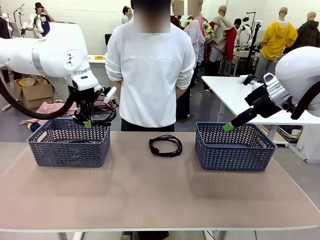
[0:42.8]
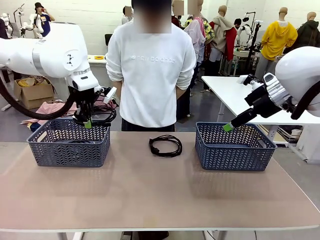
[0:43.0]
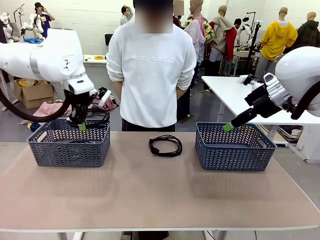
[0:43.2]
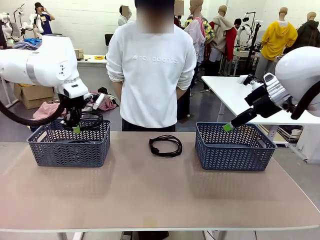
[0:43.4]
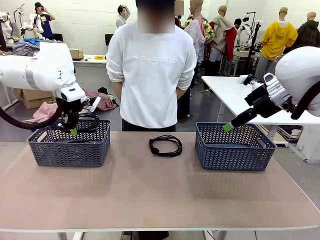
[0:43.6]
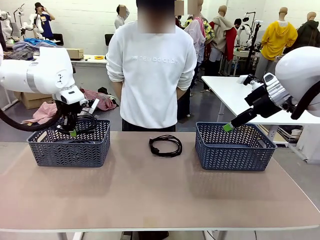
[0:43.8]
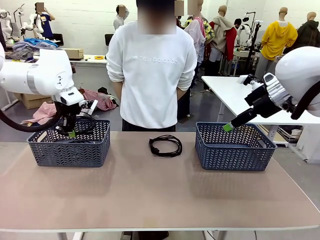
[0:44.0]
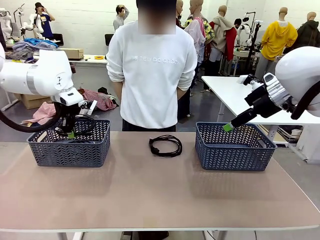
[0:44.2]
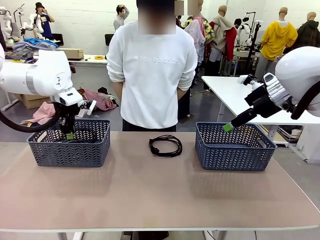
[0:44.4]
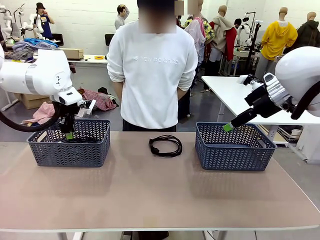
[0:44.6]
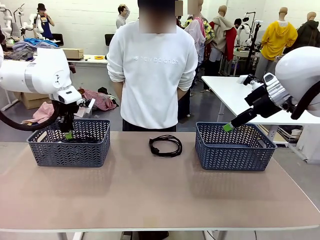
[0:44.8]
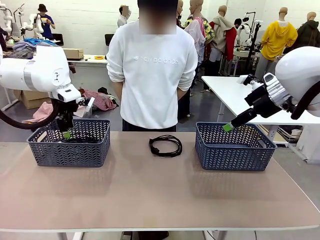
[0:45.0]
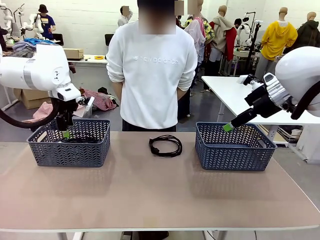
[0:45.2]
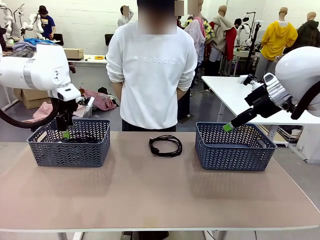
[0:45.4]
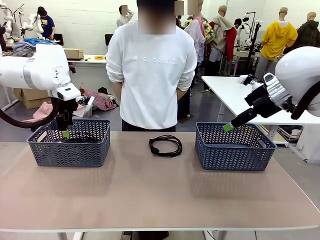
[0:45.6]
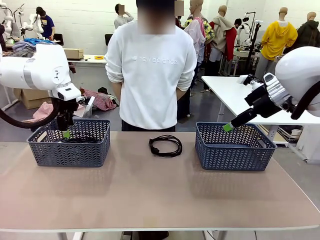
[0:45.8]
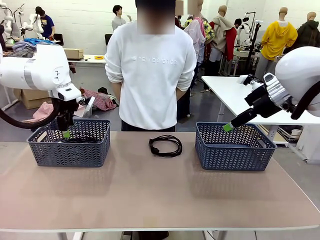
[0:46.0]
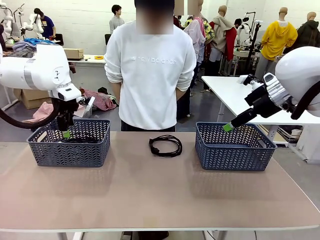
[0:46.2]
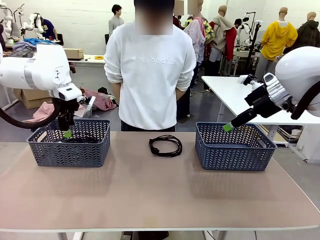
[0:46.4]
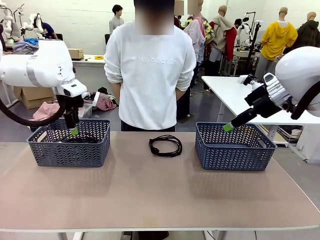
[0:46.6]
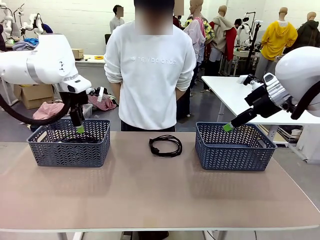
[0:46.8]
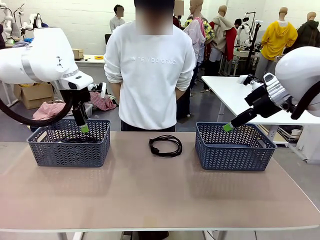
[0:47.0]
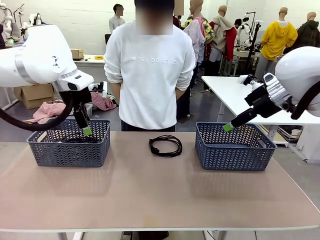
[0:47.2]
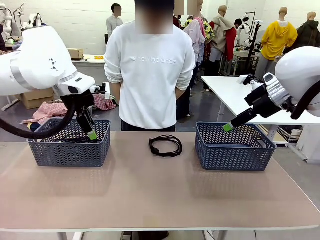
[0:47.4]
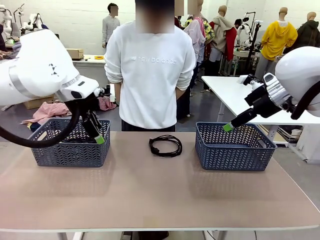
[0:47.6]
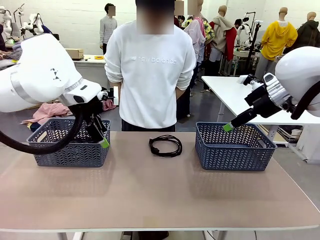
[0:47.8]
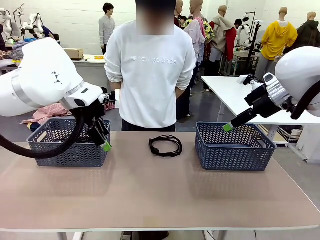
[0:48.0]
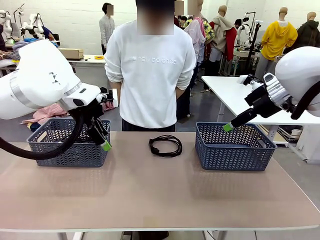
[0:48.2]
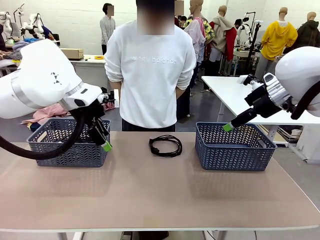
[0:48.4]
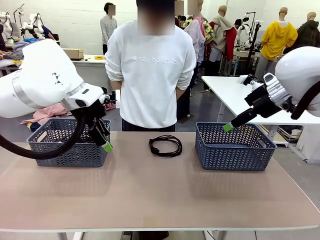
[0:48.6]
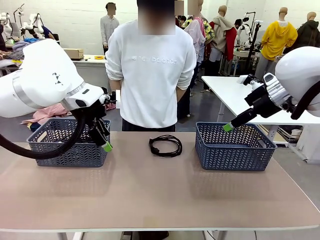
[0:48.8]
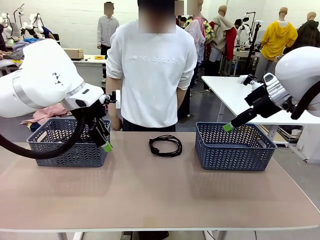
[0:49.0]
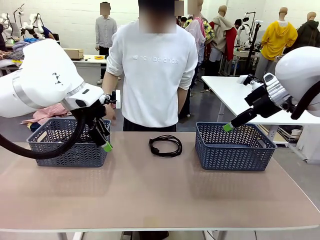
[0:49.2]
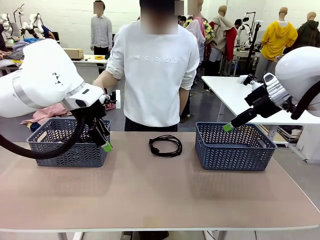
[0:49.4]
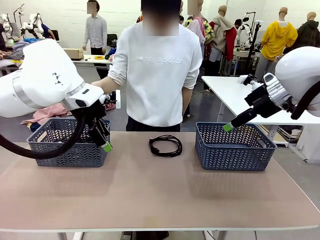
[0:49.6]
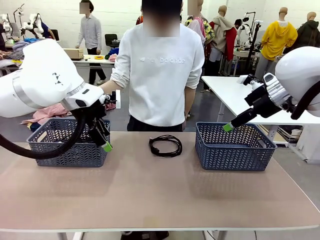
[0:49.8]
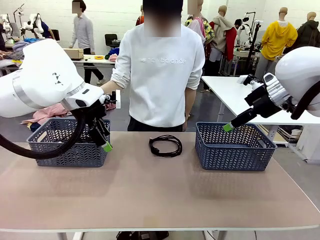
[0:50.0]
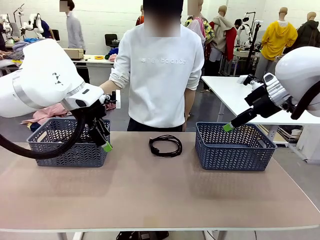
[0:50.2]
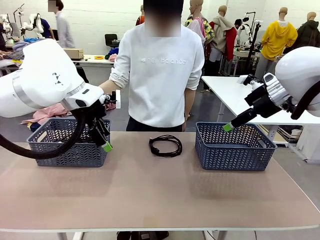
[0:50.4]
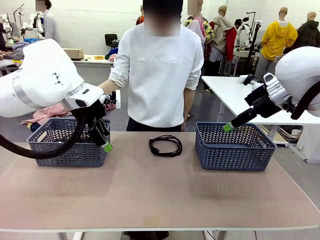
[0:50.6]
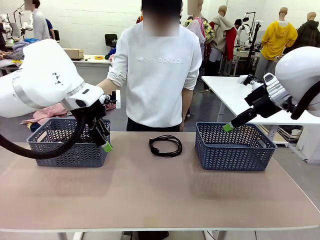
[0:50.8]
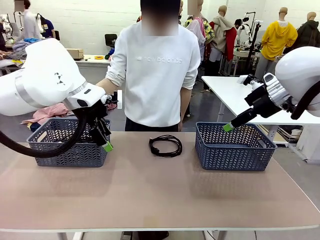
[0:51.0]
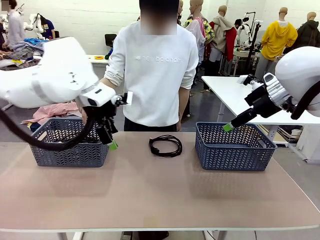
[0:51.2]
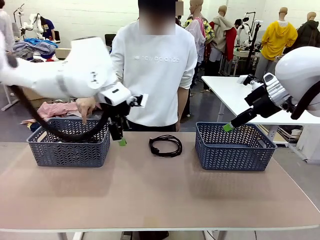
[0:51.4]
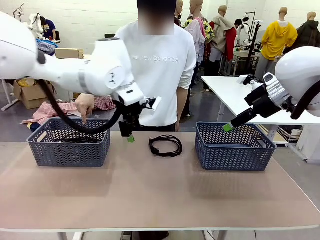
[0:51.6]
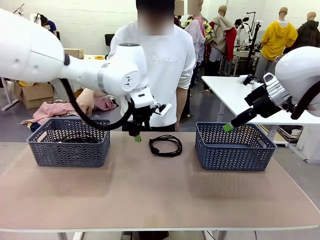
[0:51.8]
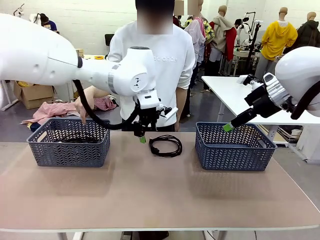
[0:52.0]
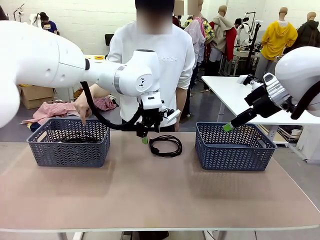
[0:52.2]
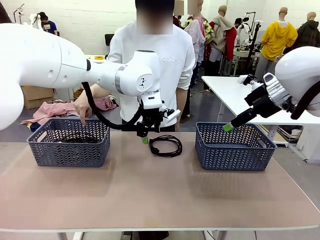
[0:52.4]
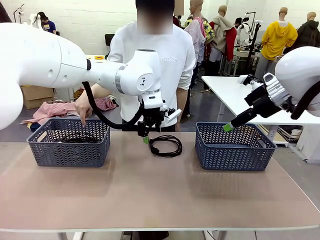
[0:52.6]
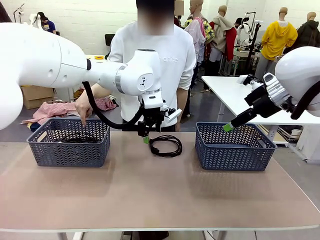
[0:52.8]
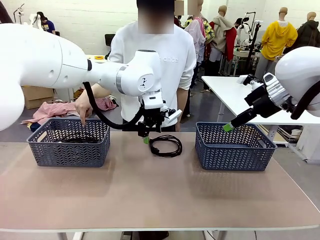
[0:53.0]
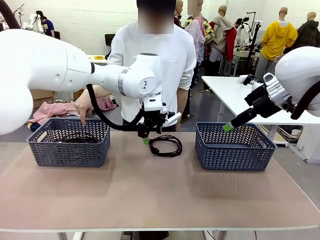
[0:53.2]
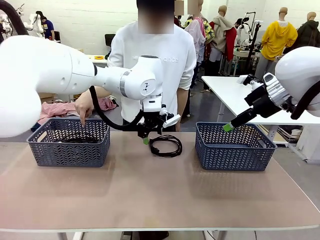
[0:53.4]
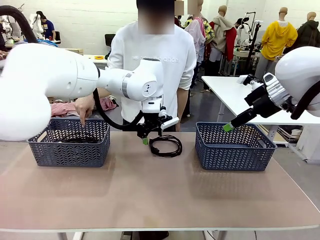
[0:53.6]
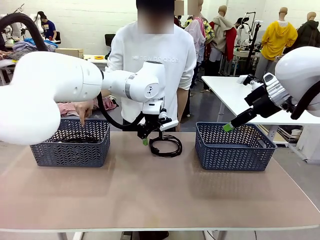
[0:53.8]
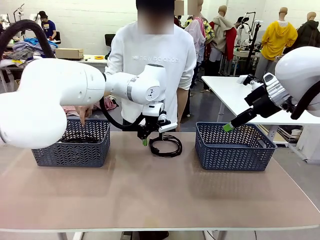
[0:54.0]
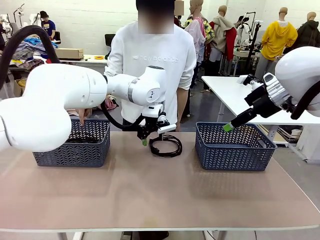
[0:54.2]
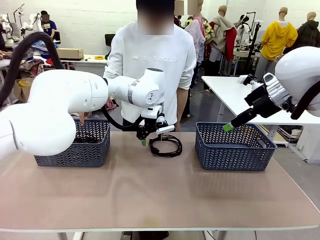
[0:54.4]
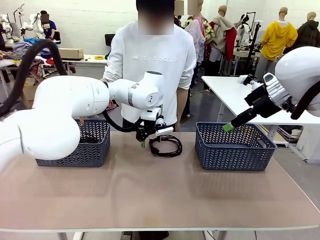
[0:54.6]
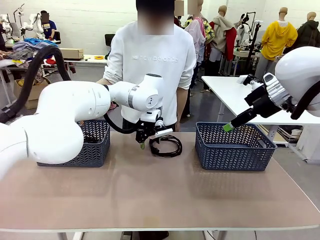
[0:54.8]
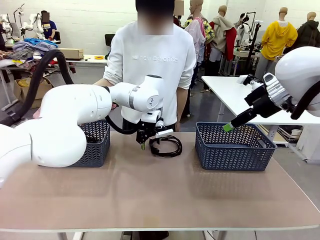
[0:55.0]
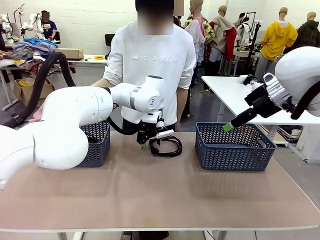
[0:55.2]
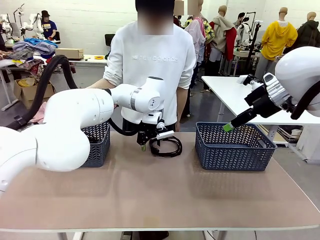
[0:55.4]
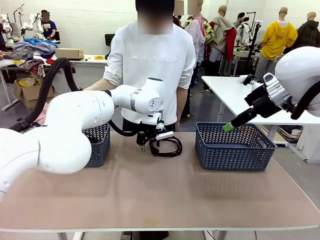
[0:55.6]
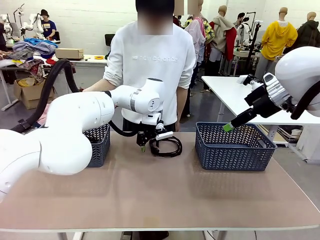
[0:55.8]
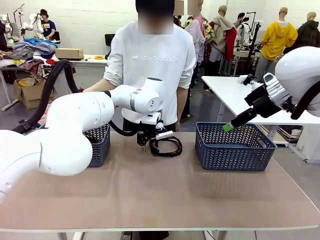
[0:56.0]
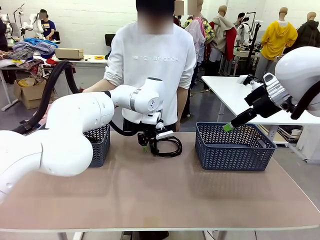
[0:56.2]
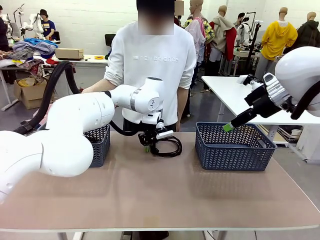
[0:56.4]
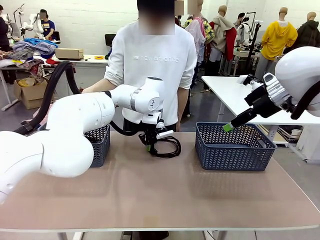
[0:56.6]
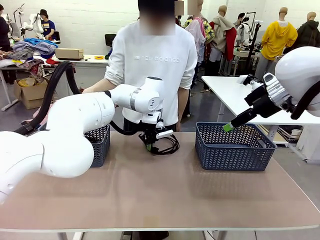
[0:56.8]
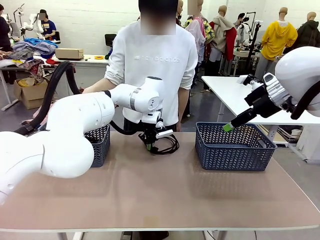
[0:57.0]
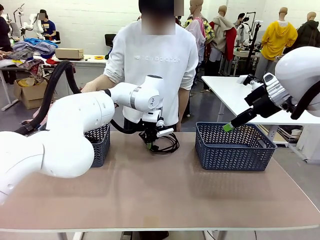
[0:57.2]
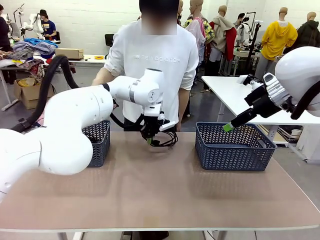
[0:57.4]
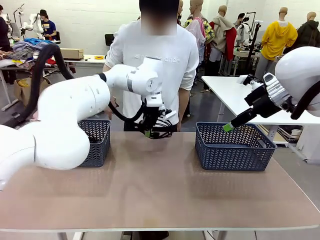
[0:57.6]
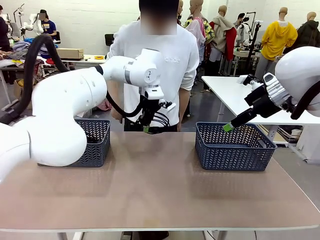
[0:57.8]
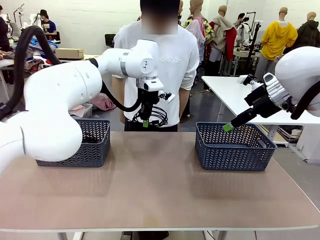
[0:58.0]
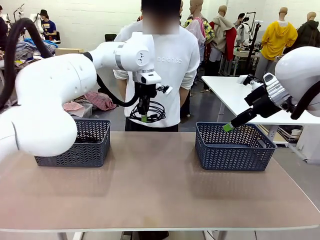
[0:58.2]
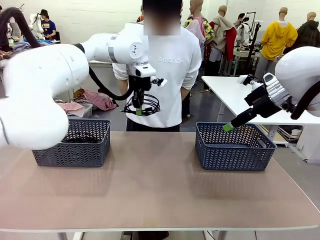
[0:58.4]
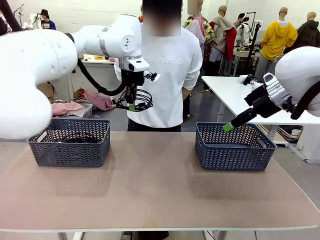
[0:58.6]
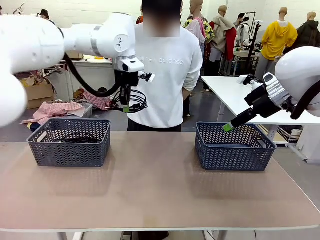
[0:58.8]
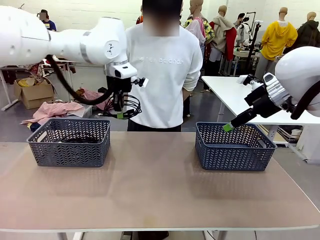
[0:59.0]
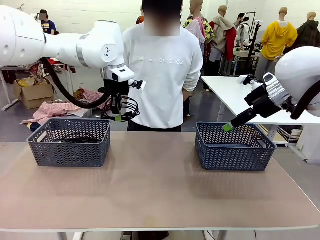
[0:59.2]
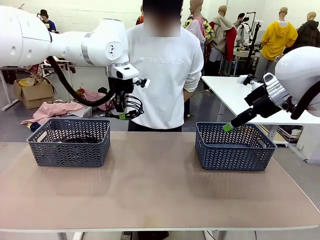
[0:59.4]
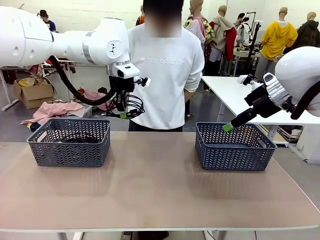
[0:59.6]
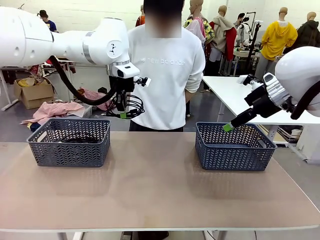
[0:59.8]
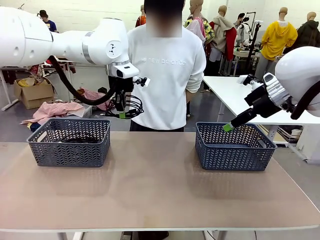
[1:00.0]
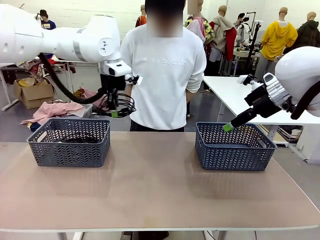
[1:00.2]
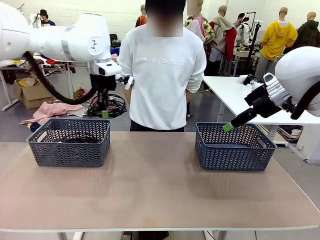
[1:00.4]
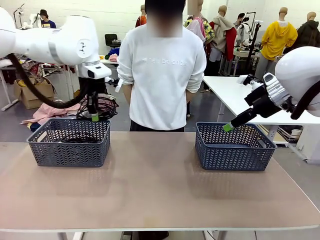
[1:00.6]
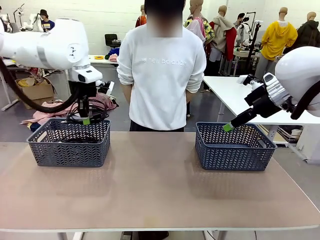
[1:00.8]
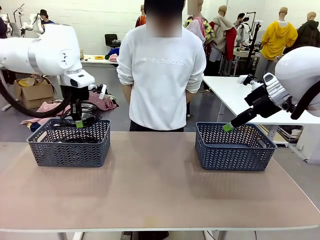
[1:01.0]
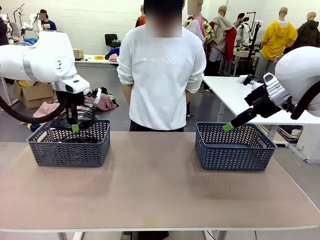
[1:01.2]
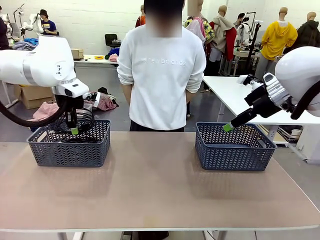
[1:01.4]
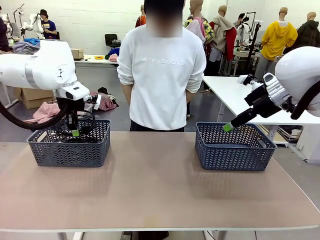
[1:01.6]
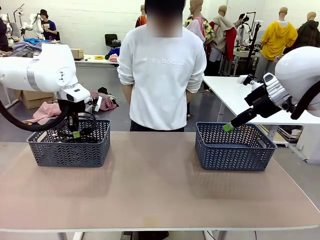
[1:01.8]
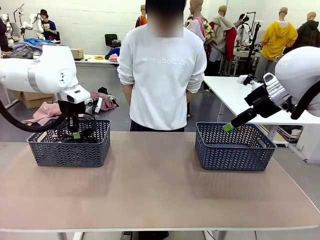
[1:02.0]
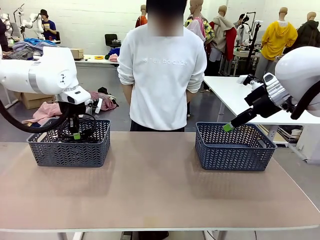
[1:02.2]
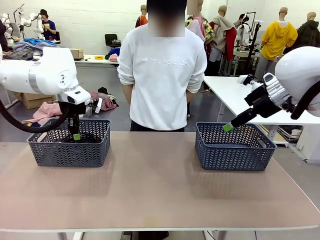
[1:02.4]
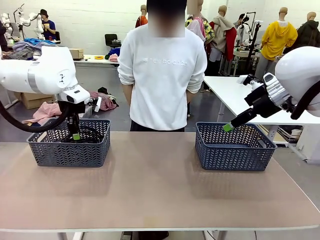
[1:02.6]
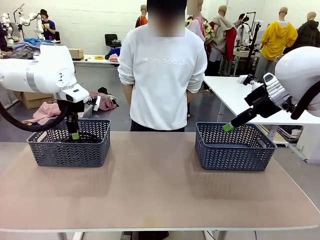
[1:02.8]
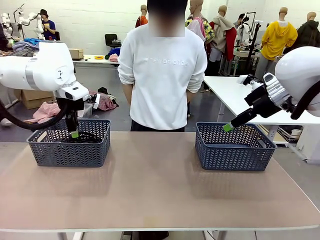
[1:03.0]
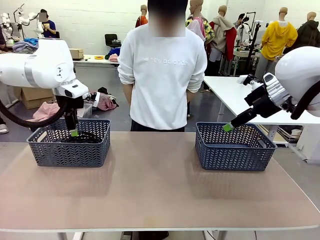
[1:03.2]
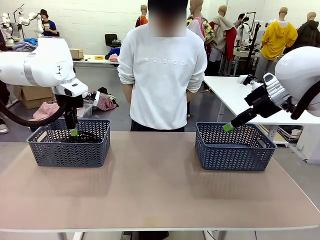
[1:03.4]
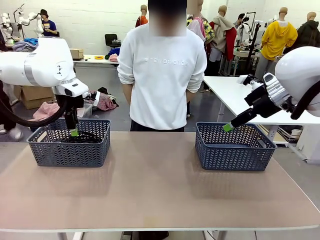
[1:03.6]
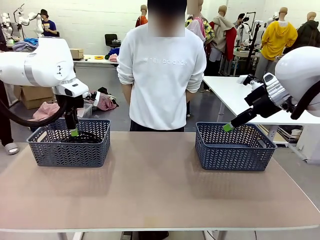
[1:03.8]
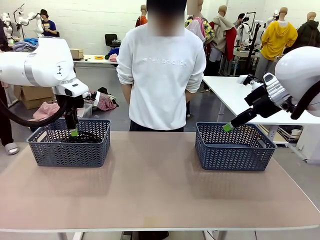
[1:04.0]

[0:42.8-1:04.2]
Task: Organize the cables according to human instructions.
Robot: Pick up a bundle of cables and place it in the basket indicated by the human.
